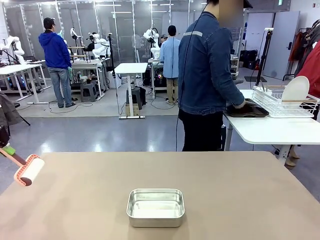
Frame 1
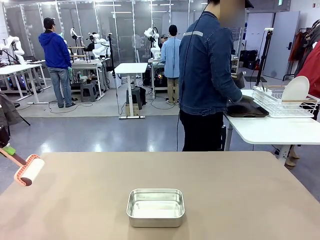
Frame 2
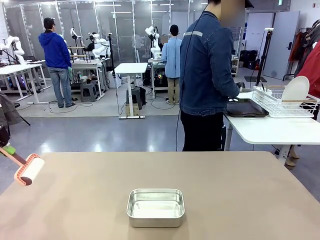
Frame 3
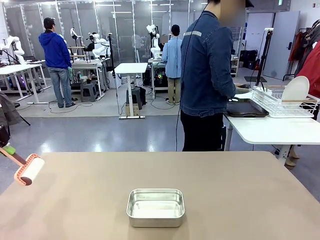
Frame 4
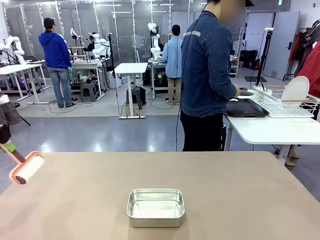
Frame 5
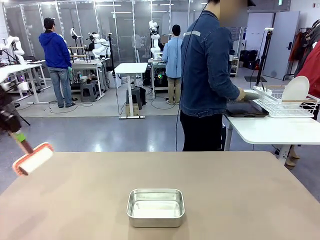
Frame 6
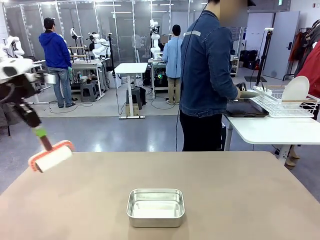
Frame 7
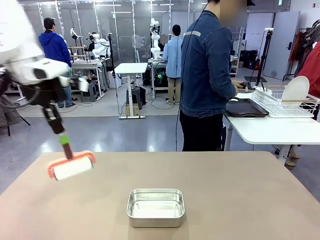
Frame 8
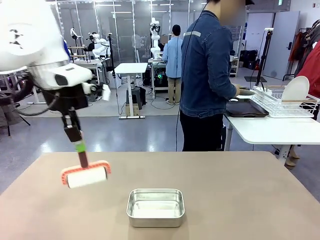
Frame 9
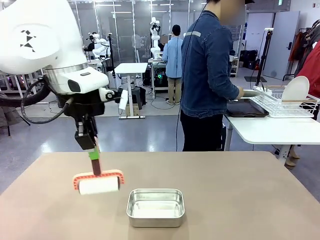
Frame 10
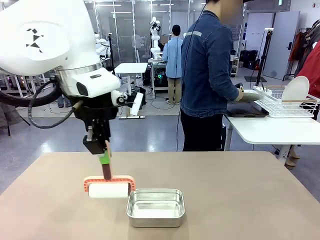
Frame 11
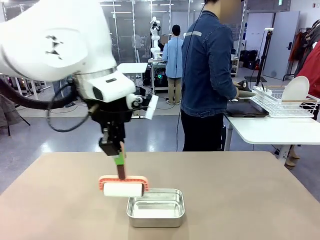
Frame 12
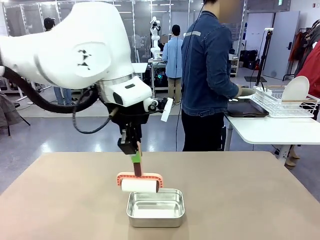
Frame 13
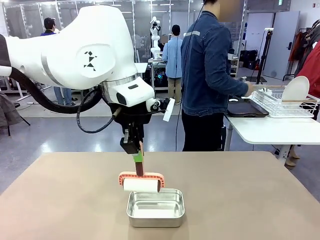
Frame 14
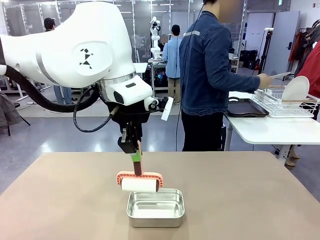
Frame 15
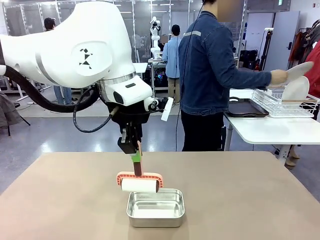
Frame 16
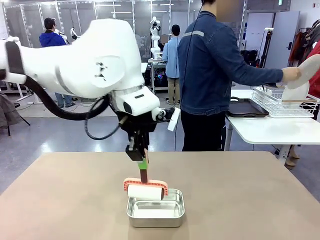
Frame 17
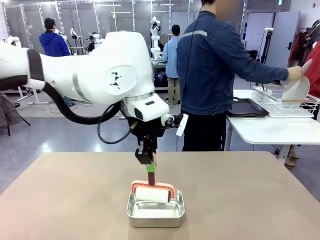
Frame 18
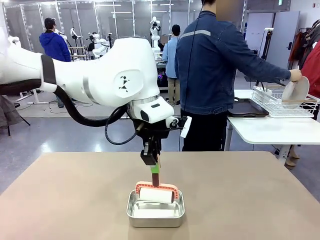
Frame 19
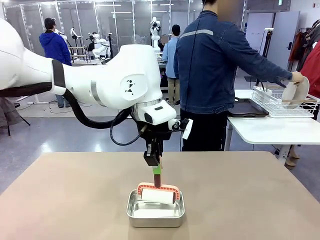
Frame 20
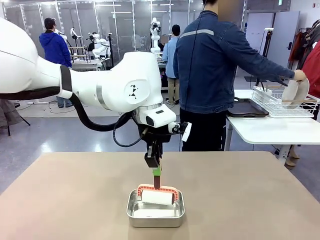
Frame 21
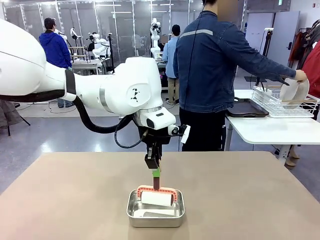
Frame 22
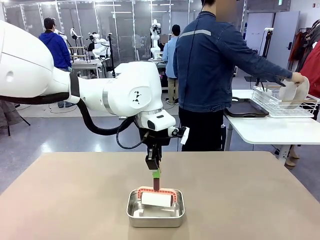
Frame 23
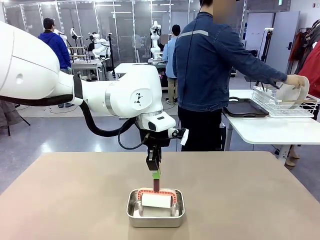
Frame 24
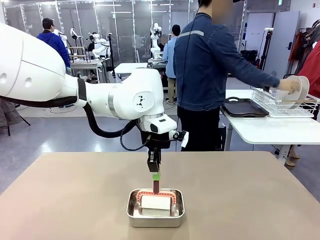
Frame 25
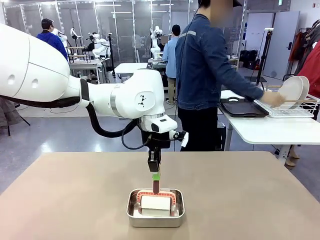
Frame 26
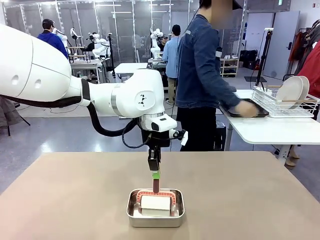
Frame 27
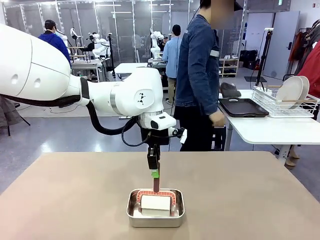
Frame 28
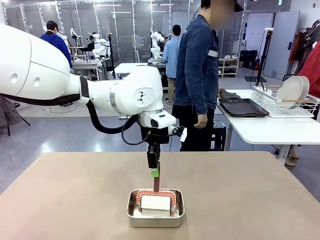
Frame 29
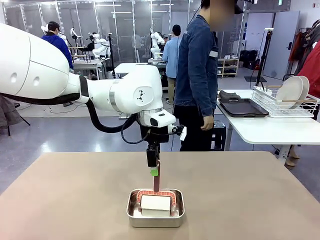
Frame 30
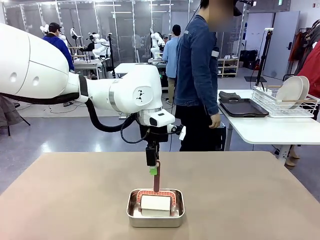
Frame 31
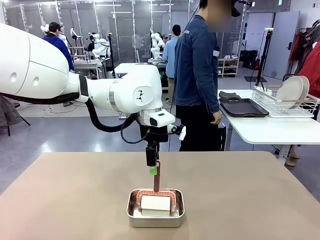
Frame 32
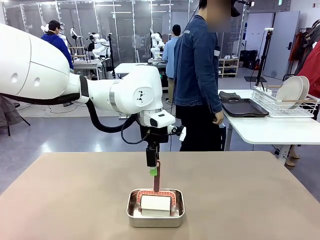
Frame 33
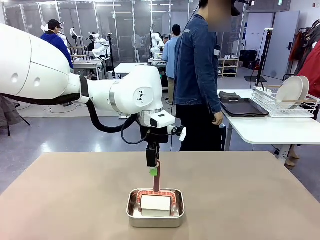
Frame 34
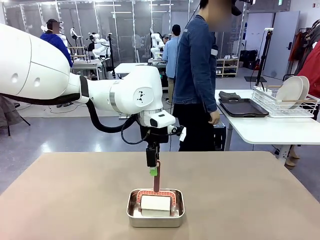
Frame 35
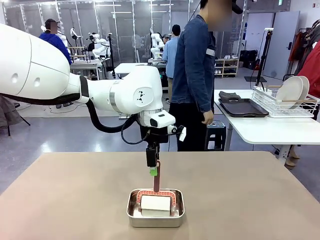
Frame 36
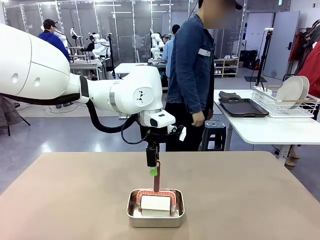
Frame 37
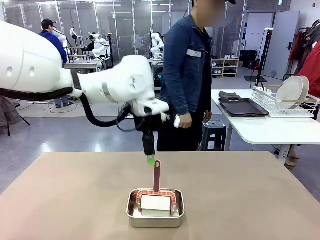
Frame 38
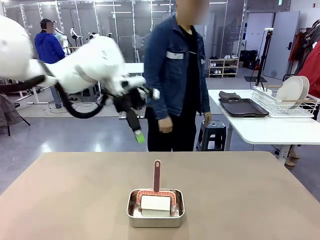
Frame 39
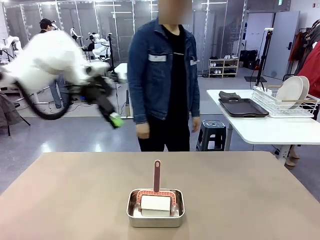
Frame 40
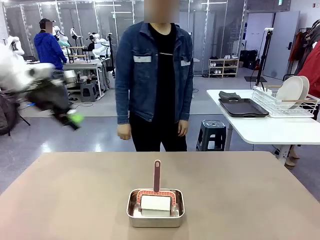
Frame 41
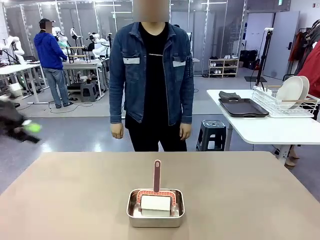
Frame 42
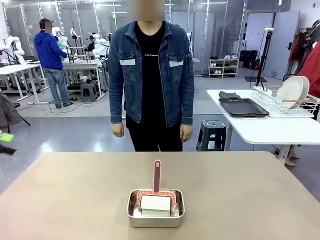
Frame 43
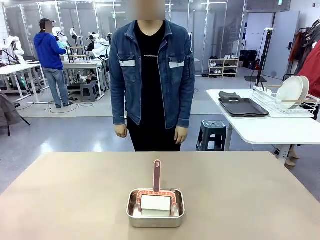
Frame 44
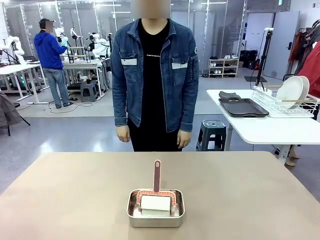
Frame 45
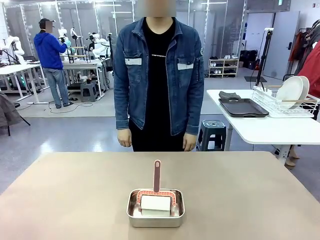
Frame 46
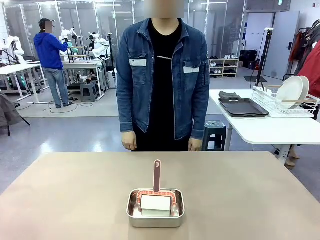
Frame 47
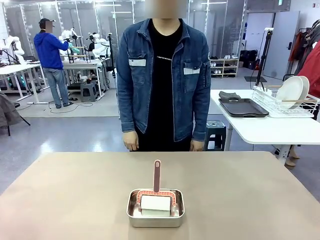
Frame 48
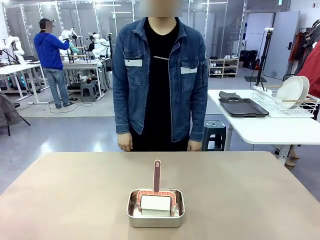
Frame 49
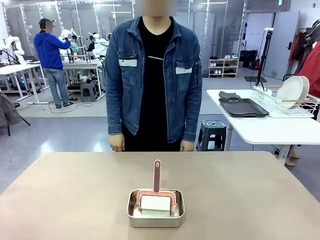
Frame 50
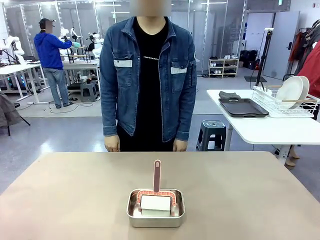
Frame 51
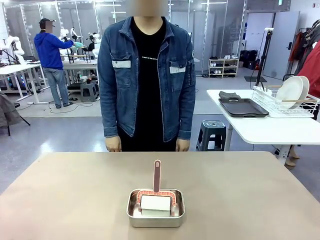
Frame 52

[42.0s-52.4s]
Robot: Place the Lint Roller back on top of the Airtight Container.
Person: Use the Towel with hook to wipe the Plastic Matte Plate , Fork , and Knife and place into the Dish drying rack.

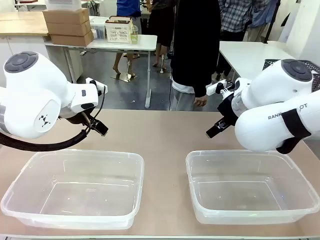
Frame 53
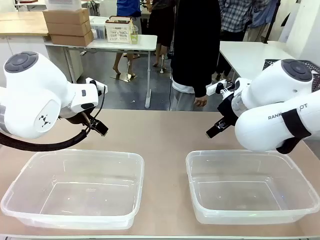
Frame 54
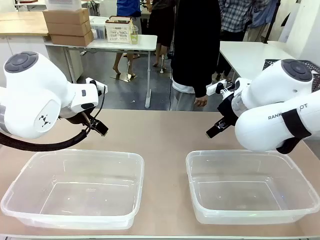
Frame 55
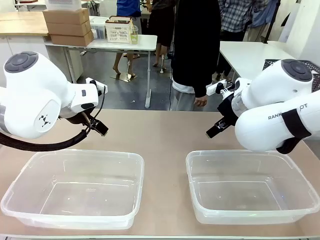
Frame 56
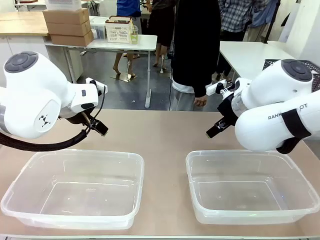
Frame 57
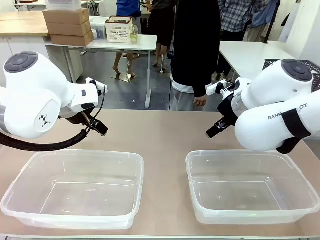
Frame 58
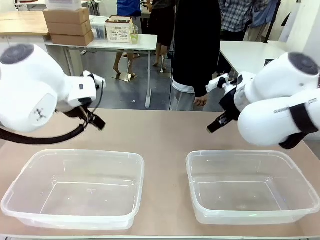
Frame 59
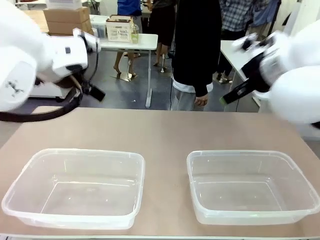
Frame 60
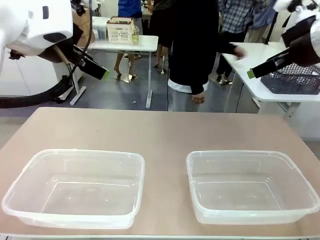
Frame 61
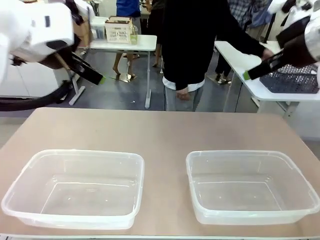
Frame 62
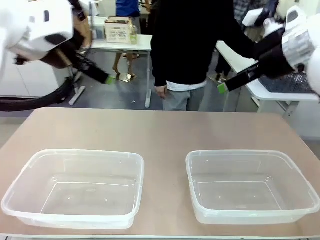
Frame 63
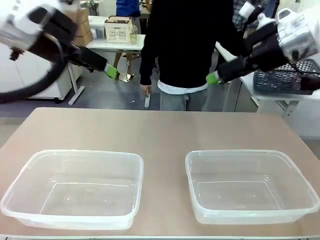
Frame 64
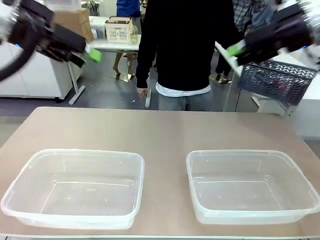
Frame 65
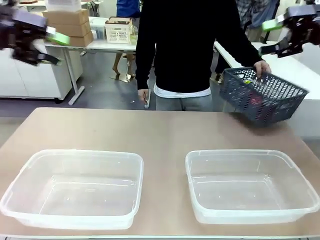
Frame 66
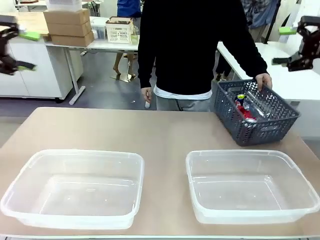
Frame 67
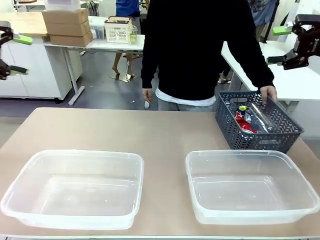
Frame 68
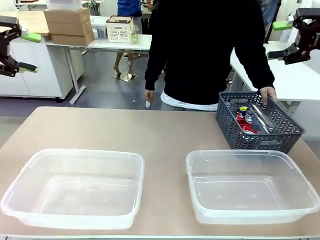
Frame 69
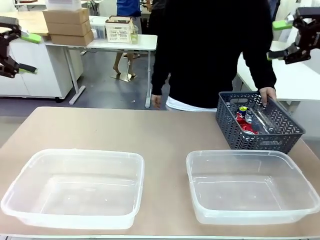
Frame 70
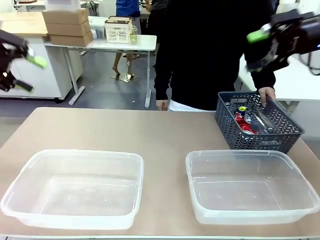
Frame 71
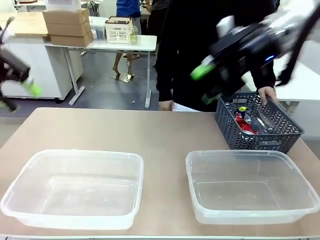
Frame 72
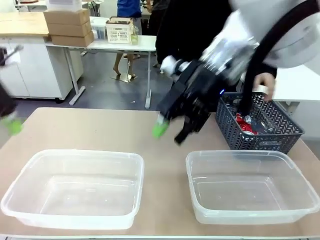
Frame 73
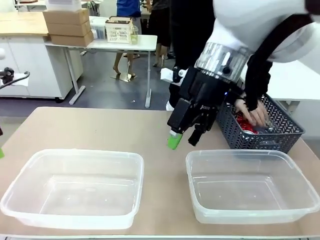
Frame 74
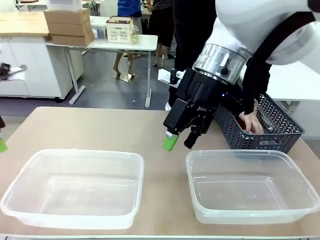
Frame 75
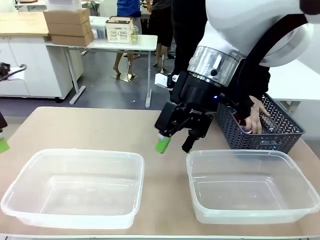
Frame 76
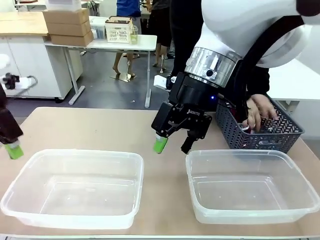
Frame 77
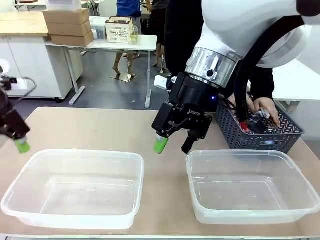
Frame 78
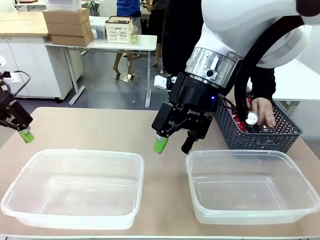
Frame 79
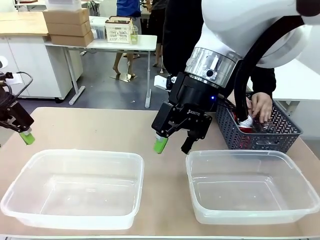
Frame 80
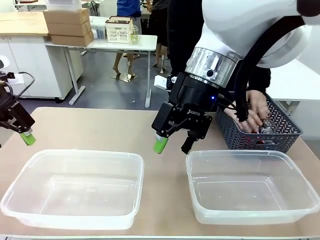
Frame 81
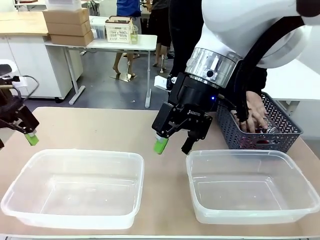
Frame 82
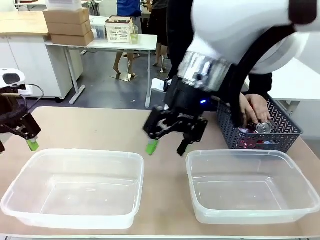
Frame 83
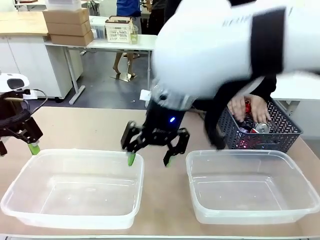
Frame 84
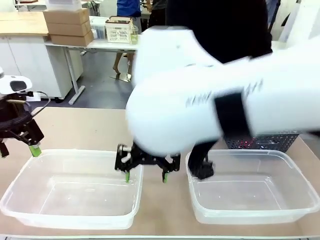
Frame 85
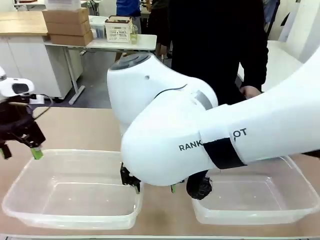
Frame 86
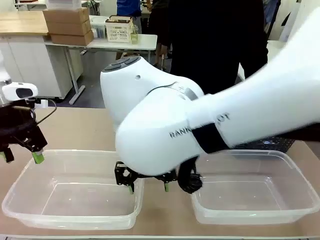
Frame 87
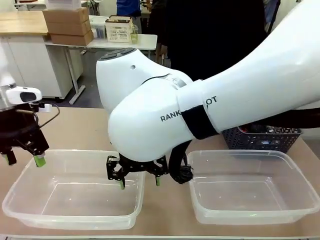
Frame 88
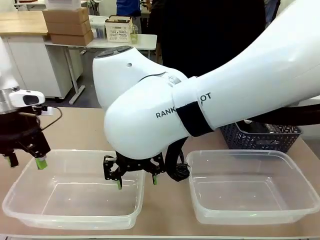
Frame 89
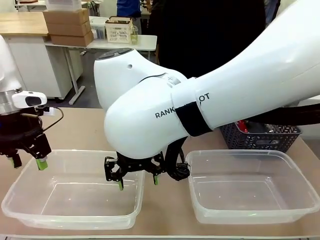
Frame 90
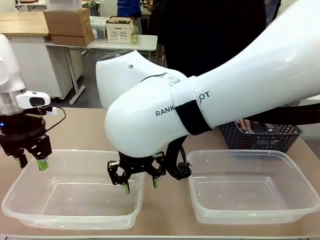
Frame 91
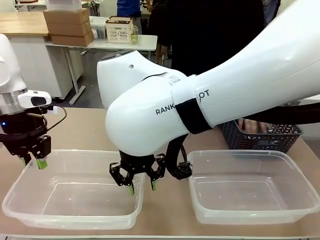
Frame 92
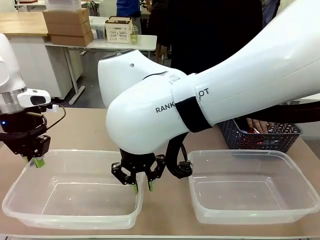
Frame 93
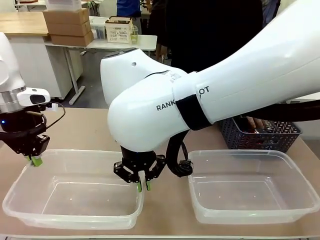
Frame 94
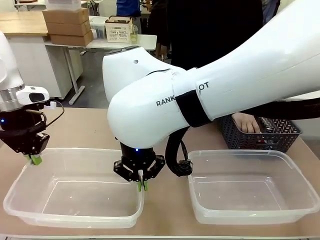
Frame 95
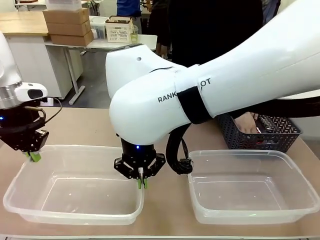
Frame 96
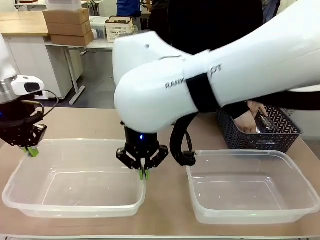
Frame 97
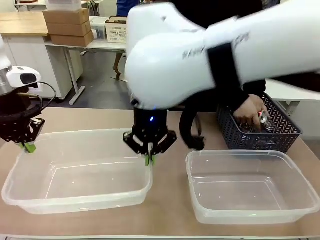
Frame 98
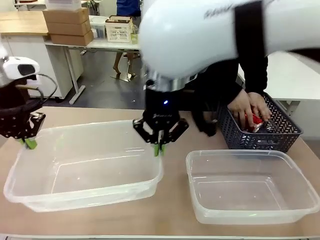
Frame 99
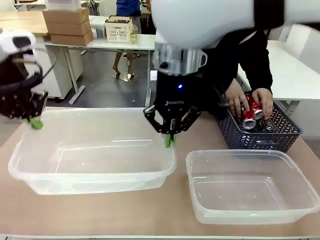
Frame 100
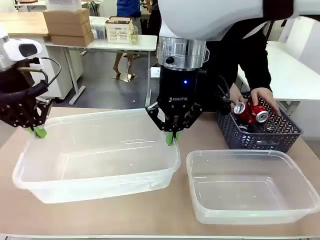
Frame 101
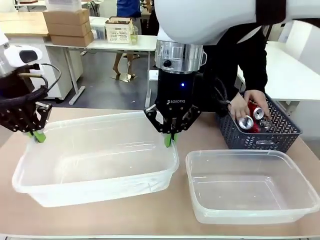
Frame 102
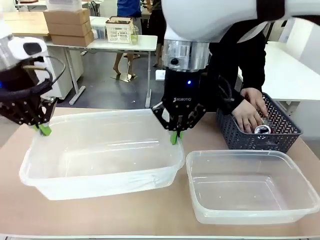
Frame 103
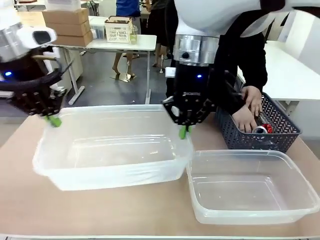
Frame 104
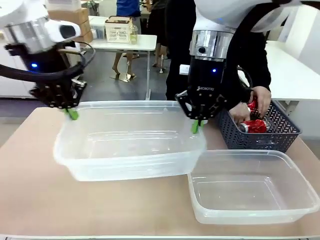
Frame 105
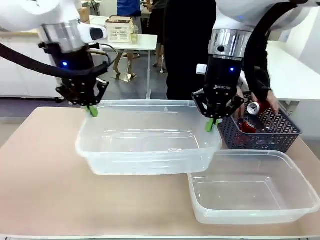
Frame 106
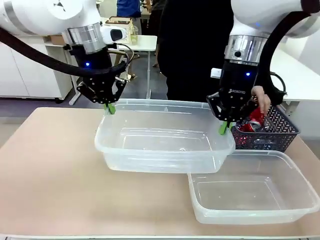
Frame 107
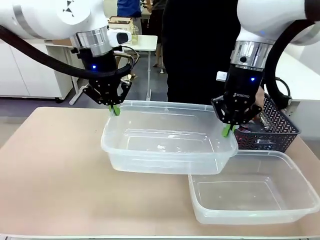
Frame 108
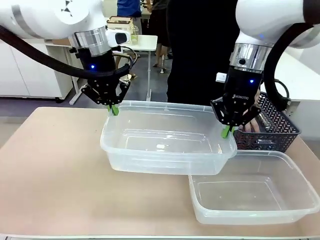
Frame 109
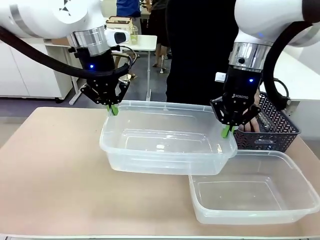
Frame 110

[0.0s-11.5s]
Robot: Pick up the Organizing box on the left side of the table and lift it.
Person: Pick up the storage basket and place it on the left side of the robot table. Pick up can-shaped waste one by one and place it into the organizing box lifted by the robot.
